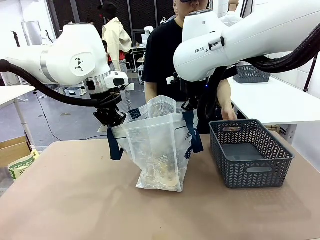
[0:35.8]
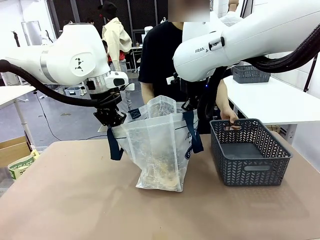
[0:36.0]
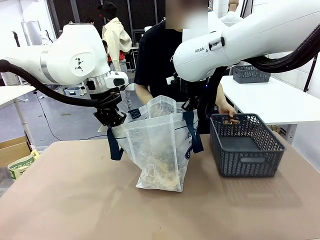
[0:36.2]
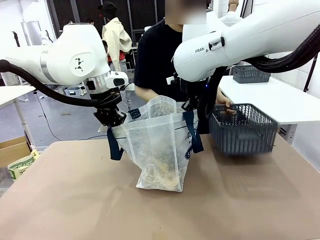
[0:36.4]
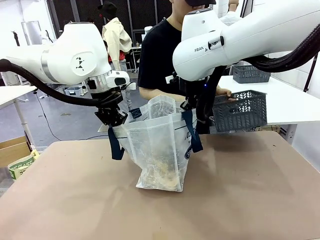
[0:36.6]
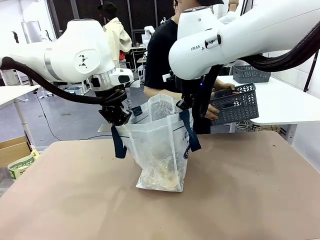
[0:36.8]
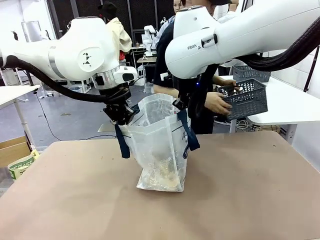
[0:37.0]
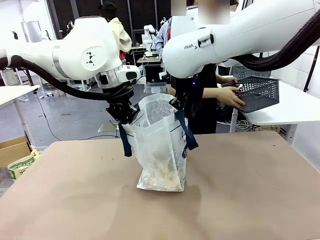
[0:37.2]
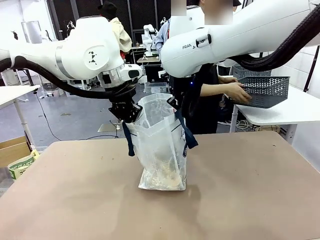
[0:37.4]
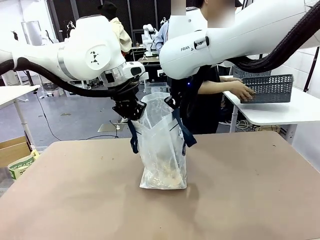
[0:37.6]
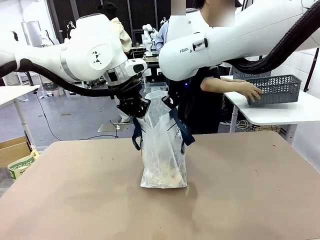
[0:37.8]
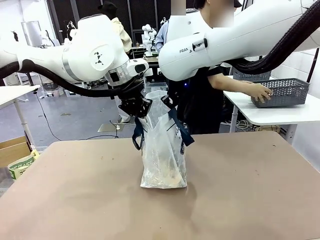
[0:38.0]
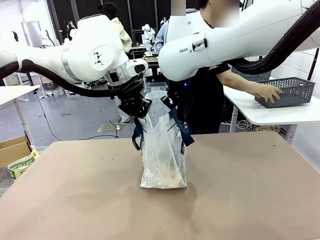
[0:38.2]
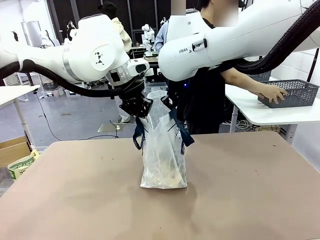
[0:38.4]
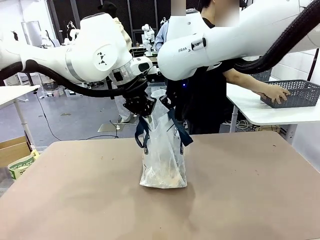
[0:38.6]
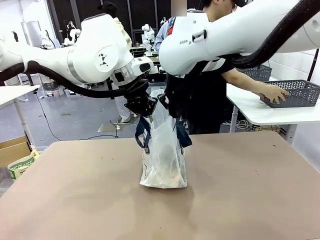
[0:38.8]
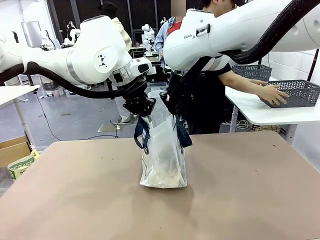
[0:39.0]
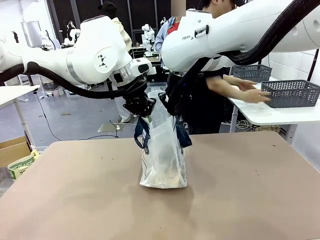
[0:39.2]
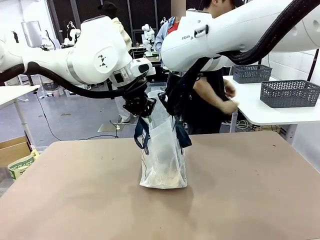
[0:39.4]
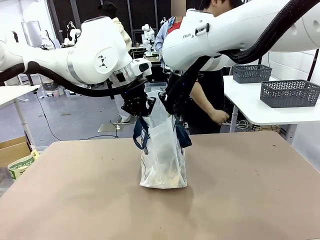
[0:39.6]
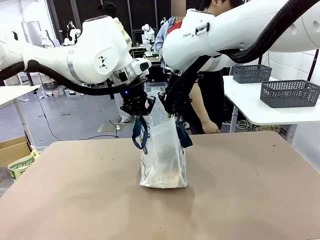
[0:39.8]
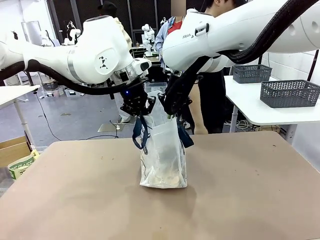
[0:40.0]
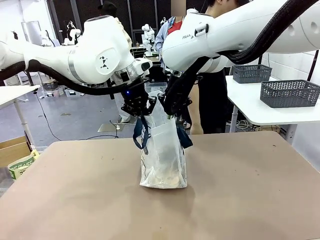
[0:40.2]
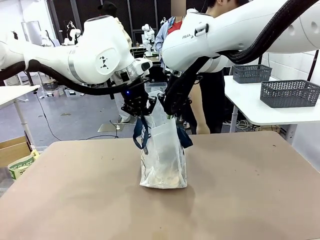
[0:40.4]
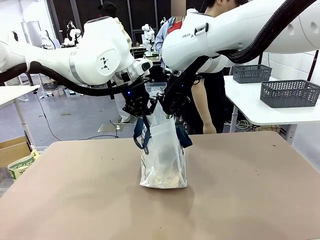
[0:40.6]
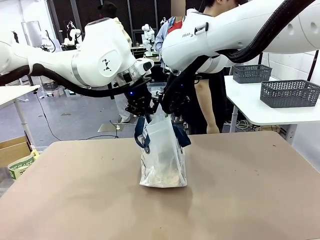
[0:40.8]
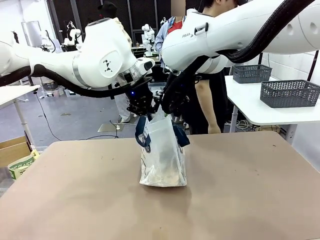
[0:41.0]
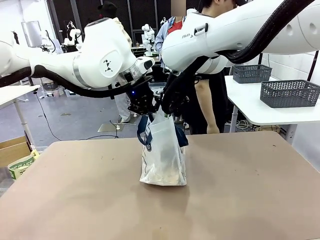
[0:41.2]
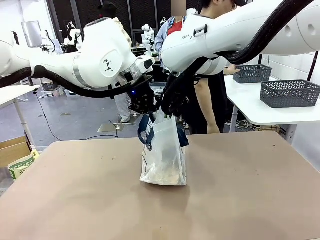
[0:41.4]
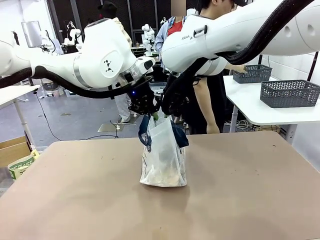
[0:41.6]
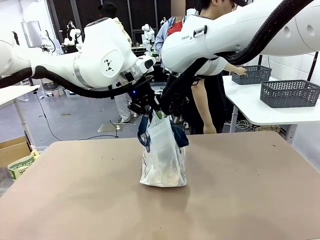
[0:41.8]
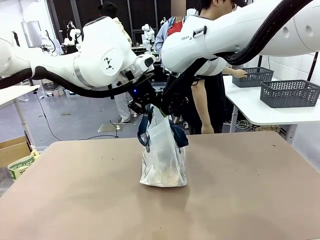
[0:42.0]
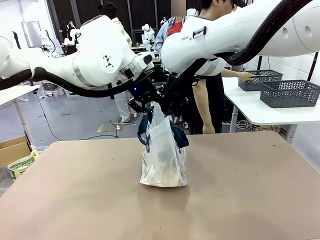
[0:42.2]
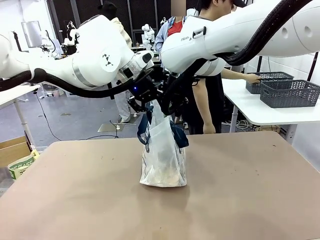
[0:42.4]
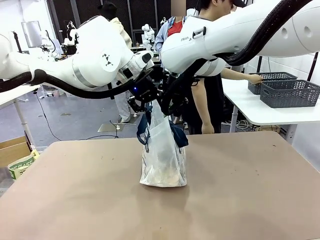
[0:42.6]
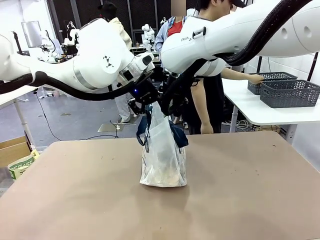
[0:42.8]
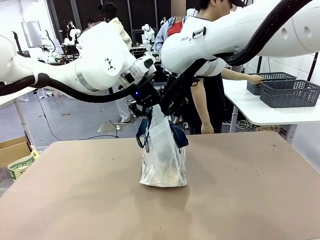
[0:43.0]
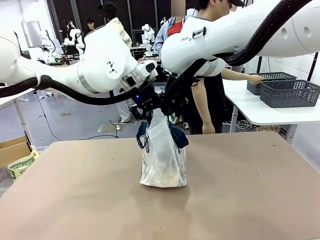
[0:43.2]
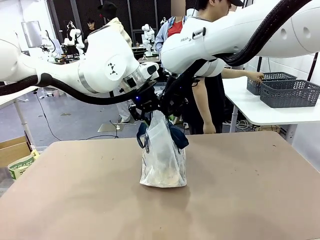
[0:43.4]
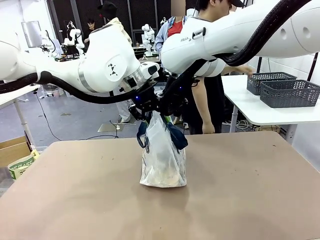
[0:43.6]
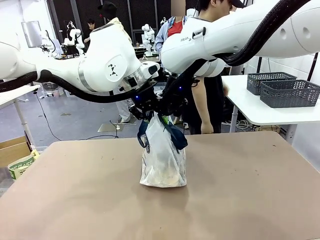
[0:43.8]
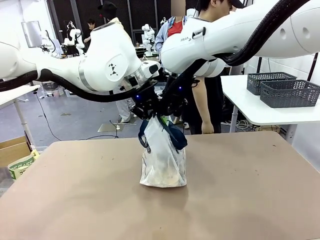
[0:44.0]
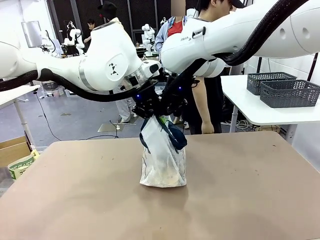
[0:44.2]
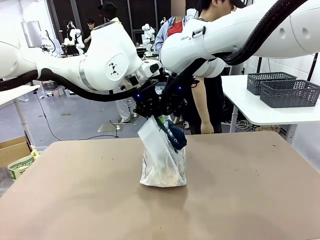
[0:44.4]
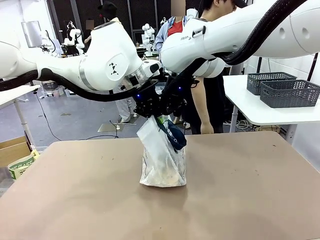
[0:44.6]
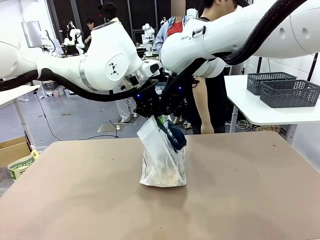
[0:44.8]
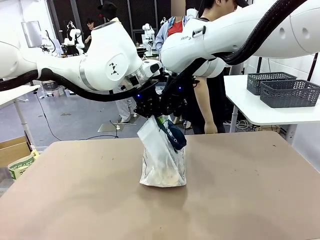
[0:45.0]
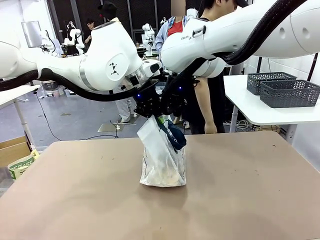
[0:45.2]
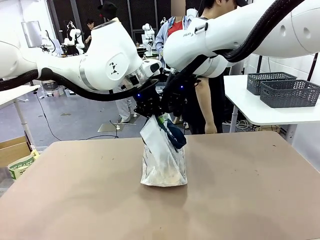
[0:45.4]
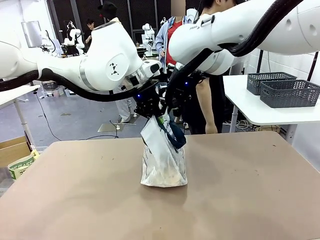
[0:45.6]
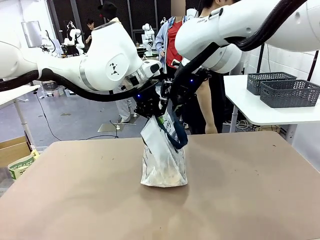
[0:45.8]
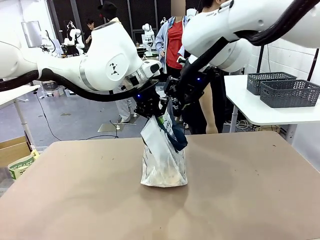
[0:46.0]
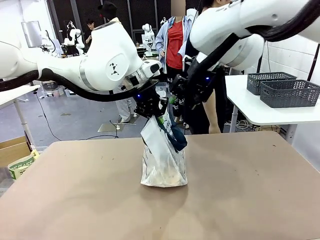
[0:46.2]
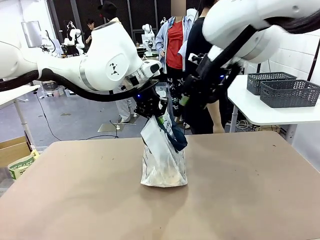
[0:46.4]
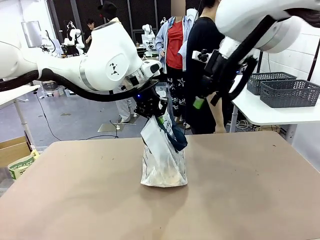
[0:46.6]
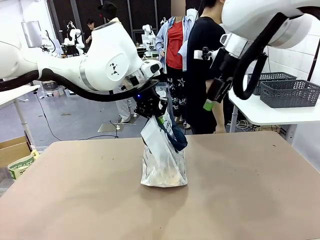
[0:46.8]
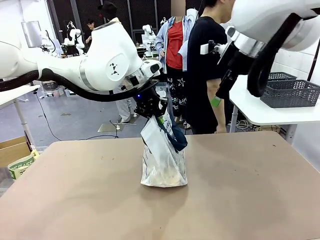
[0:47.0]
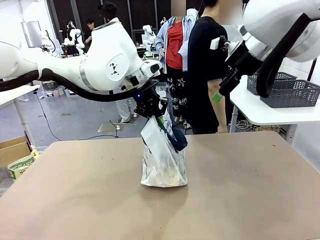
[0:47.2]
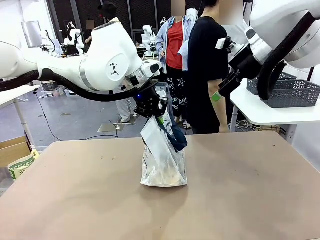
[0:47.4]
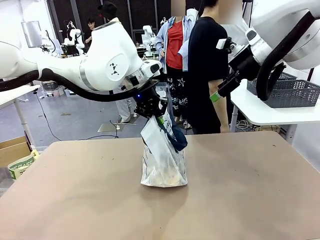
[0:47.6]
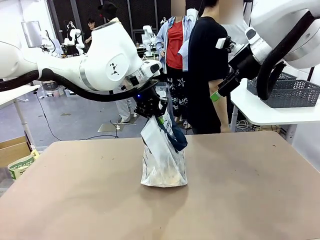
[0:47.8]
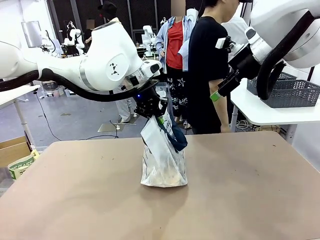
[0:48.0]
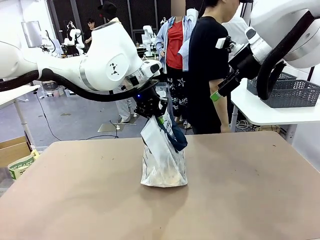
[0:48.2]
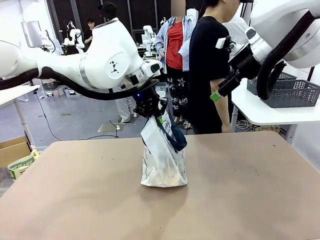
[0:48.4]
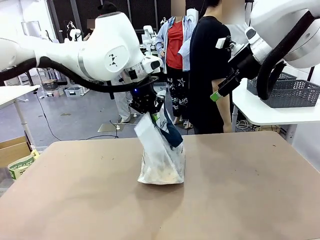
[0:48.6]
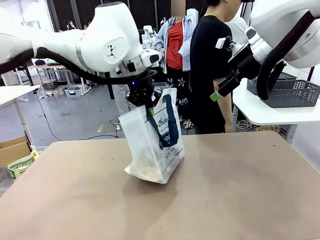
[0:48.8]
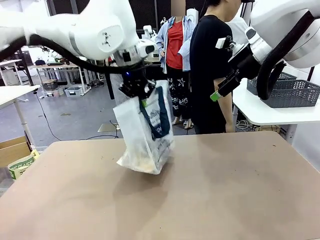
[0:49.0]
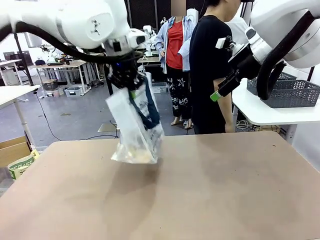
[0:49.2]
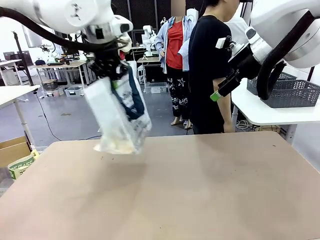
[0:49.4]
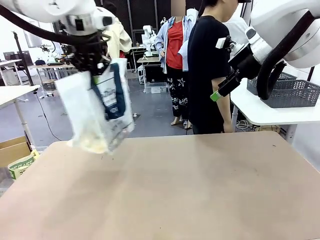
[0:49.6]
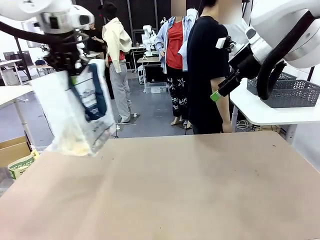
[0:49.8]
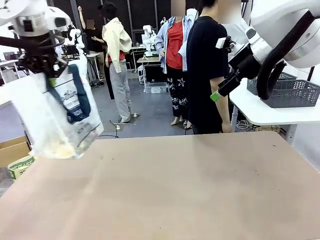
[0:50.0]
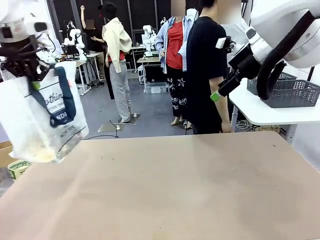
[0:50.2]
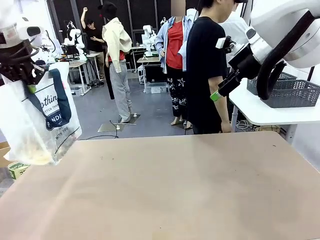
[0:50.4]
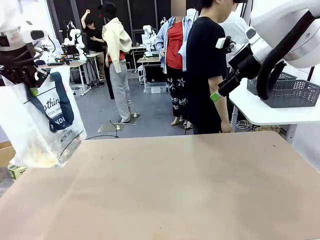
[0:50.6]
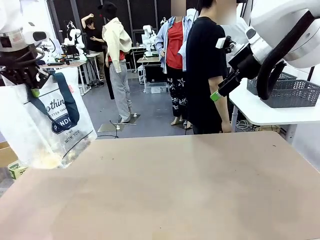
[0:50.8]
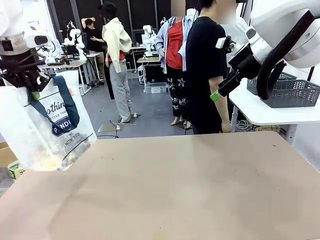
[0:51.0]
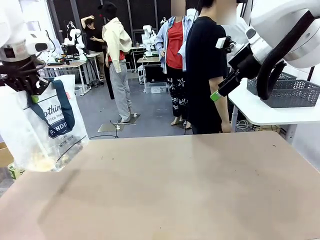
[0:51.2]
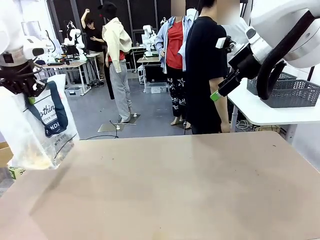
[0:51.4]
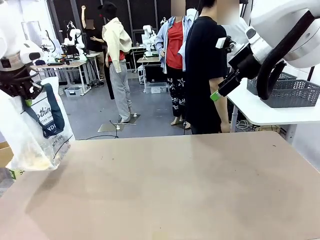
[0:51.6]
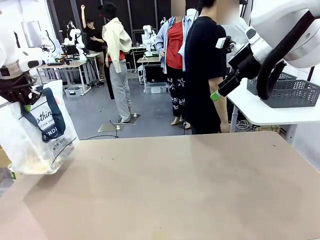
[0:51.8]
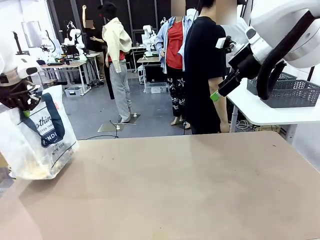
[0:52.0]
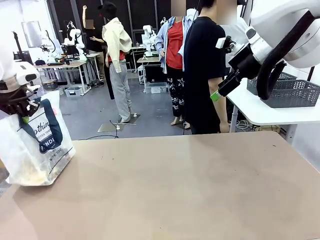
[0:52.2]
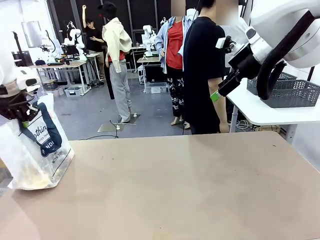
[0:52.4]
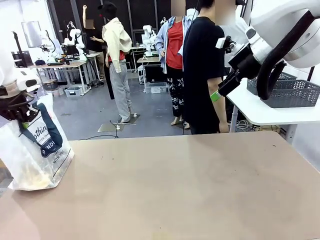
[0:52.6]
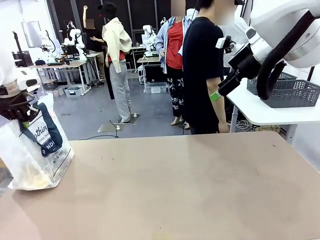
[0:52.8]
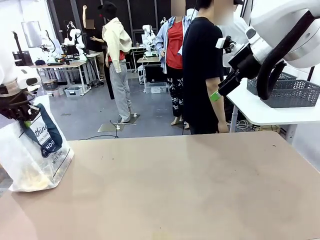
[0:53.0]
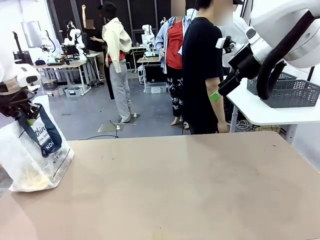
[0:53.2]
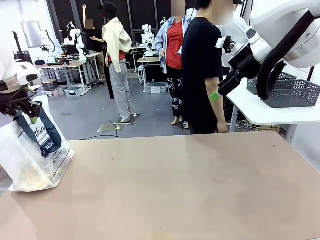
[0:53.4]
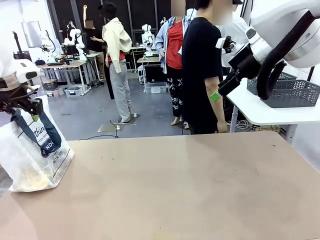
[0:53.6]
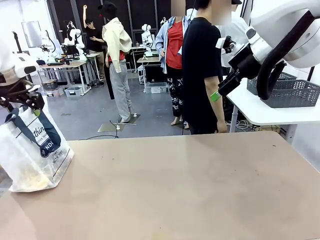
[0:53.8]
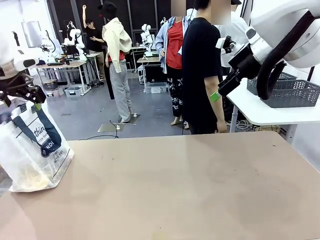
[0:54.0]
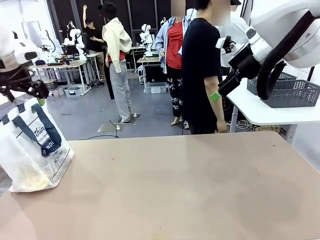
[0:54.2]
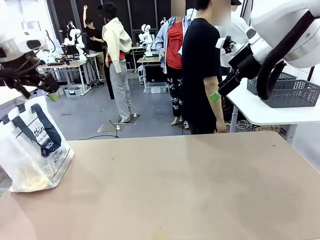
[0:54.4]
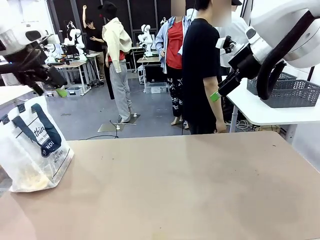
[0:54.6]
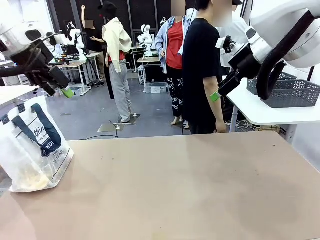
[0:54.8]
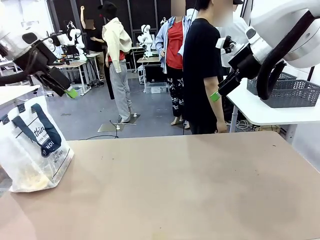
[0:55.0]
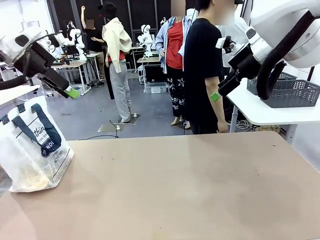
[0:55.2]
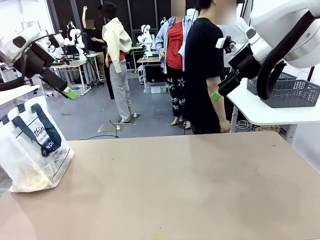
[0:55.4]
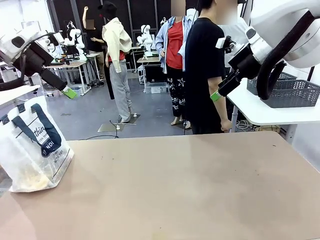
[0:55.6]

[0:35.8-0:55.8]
Task: Transfer purchased items from the store into the shopping bag.
Robot: Move the Reusable shopping bag to the right side of the table.
Person: Pick up the basket with the items out and place it on the right side of the human table. Move the basket on the left to the middle of the person's table.
